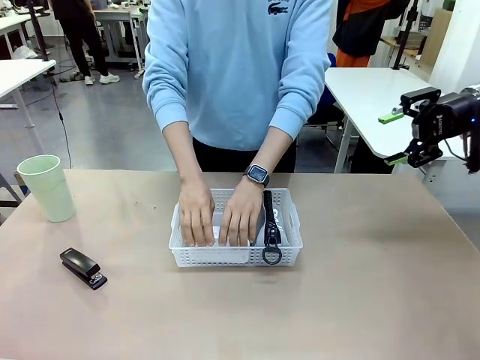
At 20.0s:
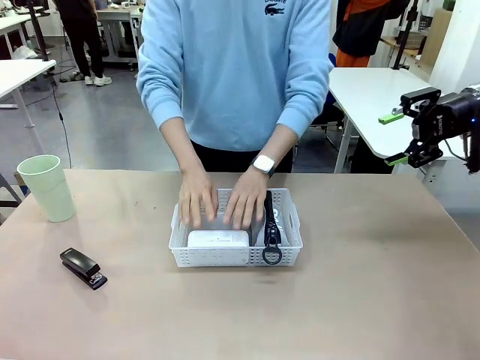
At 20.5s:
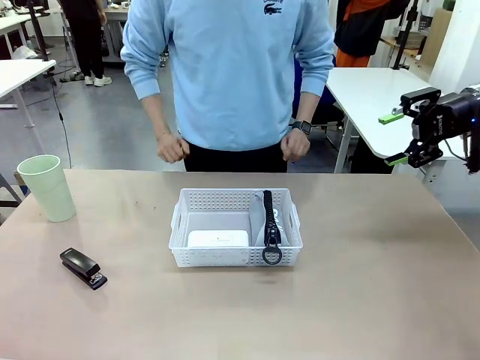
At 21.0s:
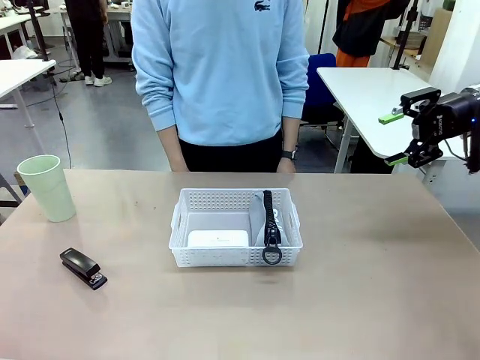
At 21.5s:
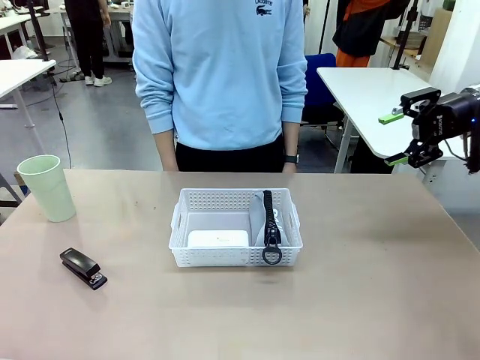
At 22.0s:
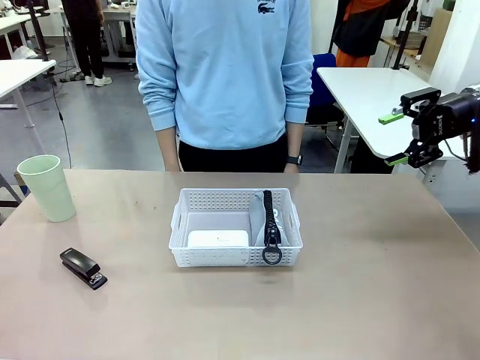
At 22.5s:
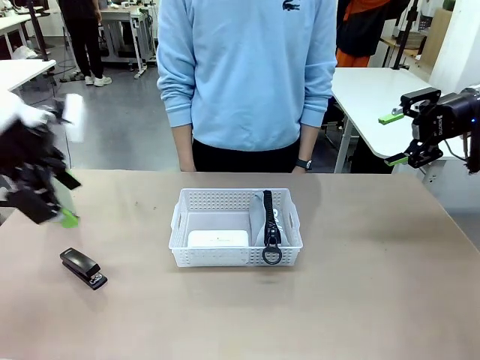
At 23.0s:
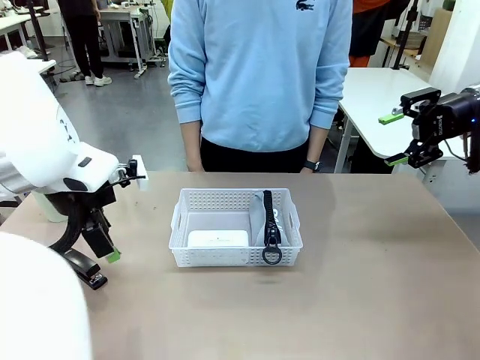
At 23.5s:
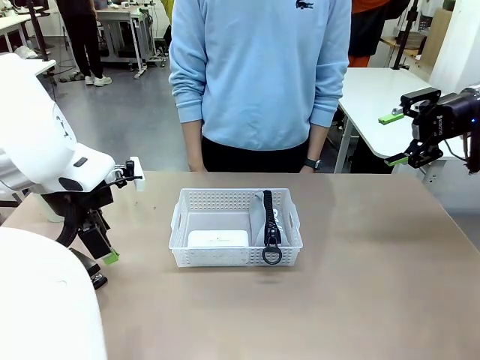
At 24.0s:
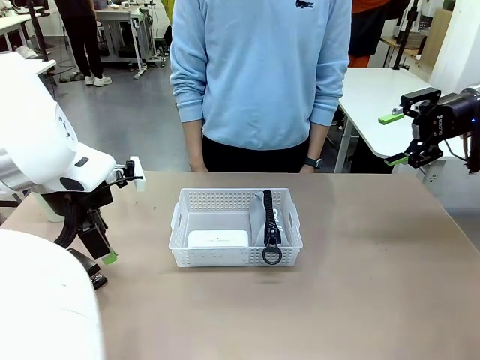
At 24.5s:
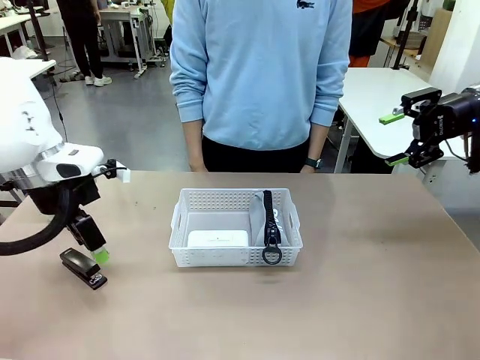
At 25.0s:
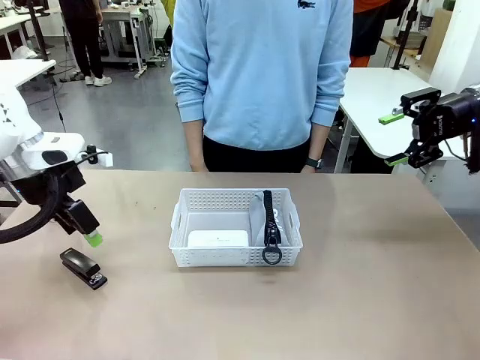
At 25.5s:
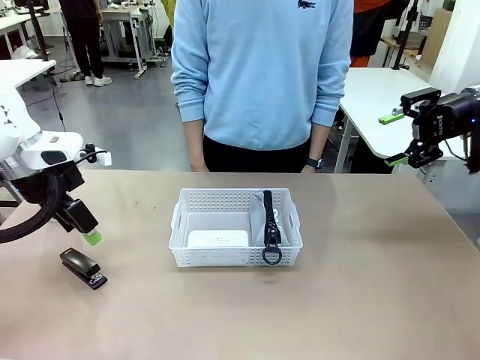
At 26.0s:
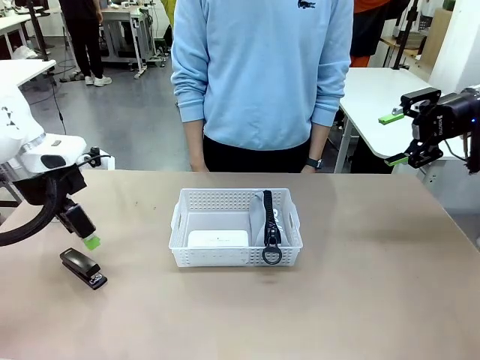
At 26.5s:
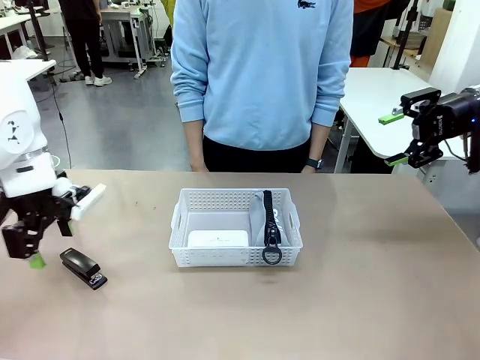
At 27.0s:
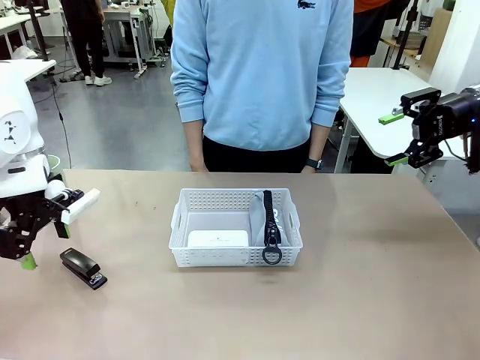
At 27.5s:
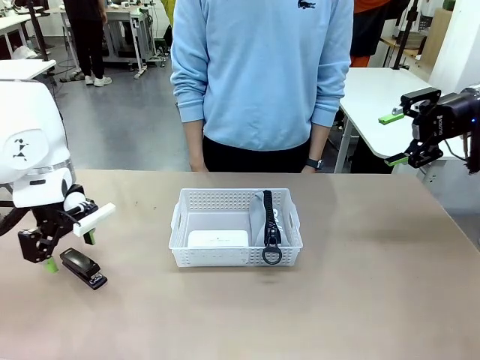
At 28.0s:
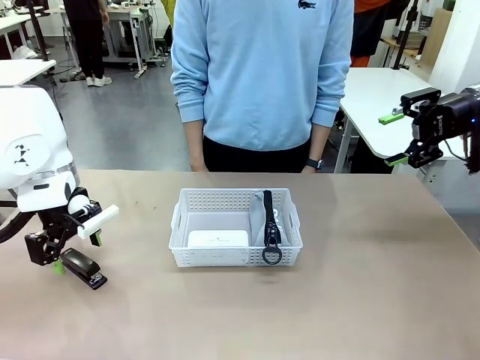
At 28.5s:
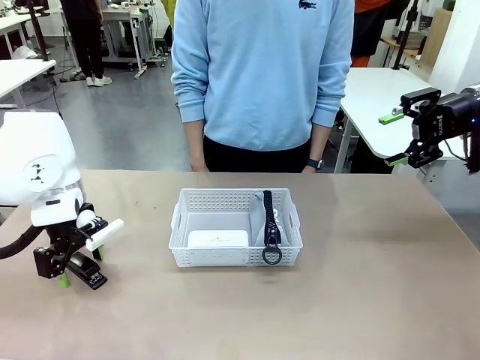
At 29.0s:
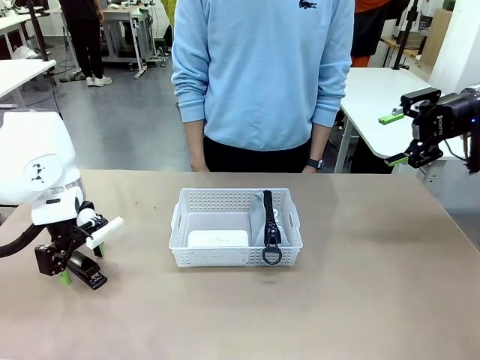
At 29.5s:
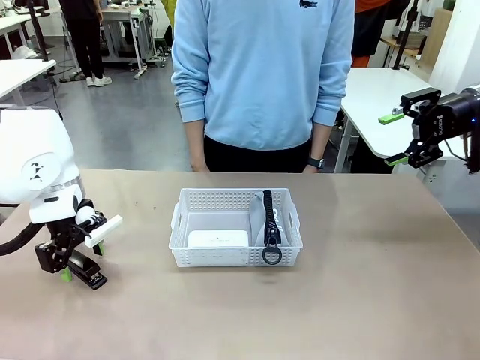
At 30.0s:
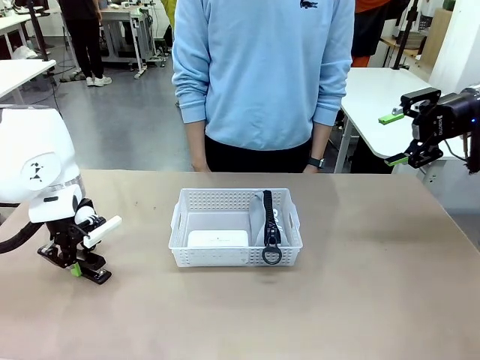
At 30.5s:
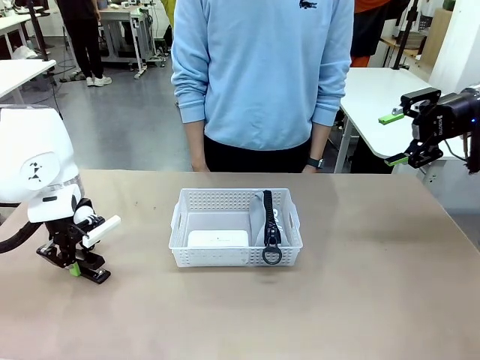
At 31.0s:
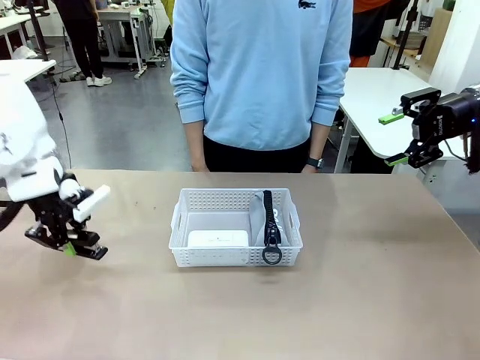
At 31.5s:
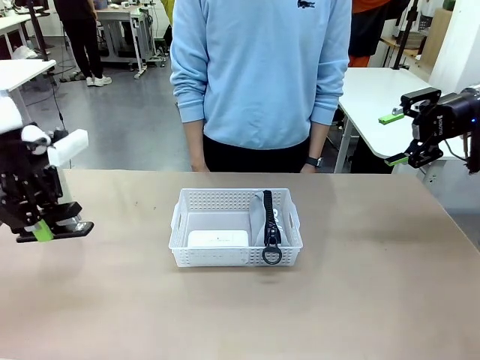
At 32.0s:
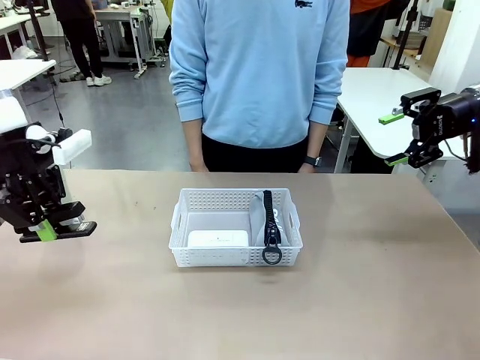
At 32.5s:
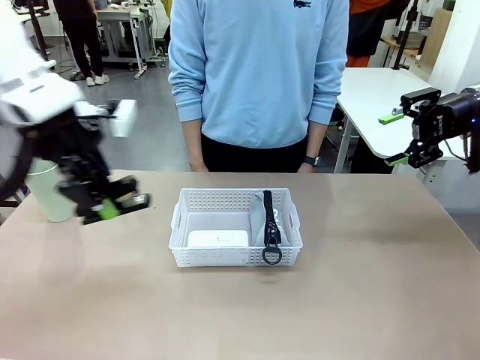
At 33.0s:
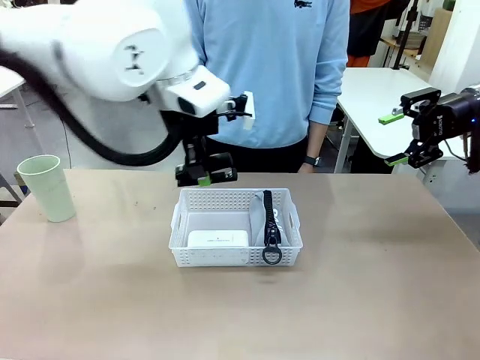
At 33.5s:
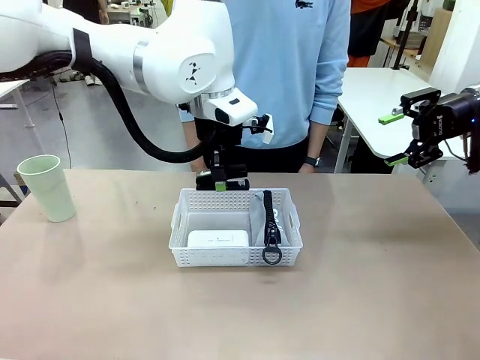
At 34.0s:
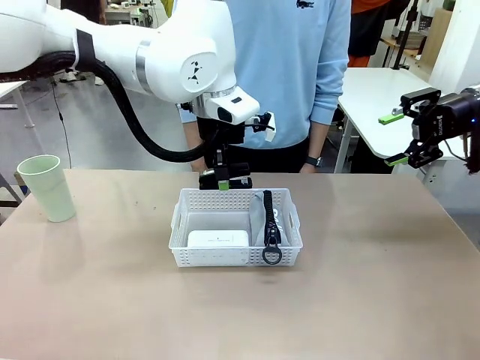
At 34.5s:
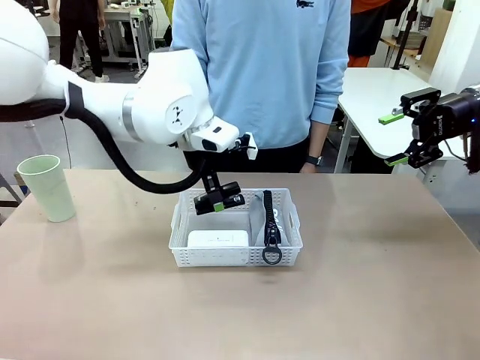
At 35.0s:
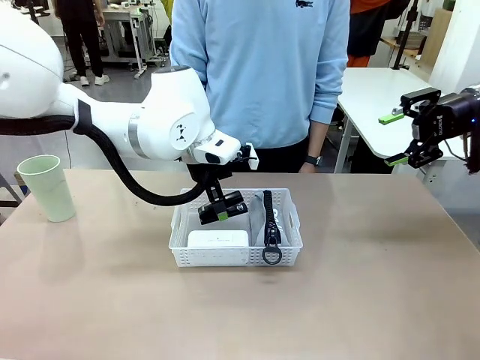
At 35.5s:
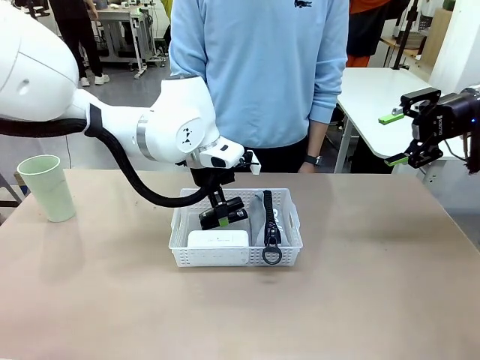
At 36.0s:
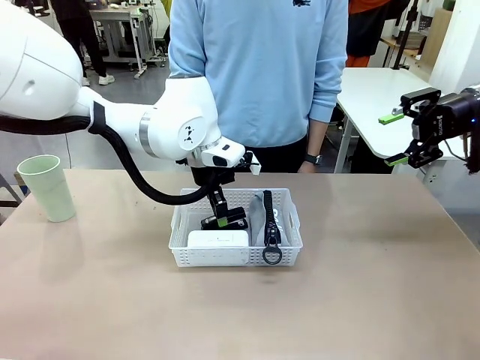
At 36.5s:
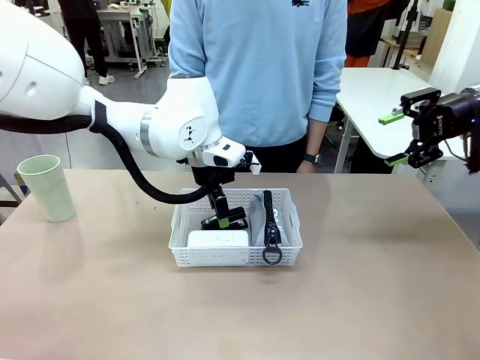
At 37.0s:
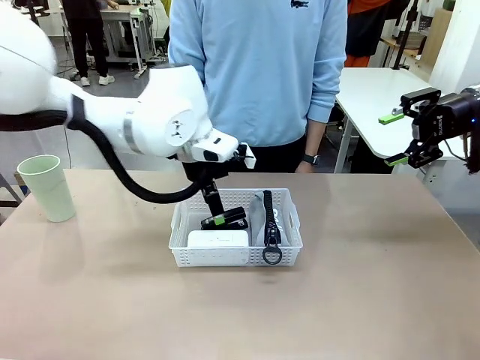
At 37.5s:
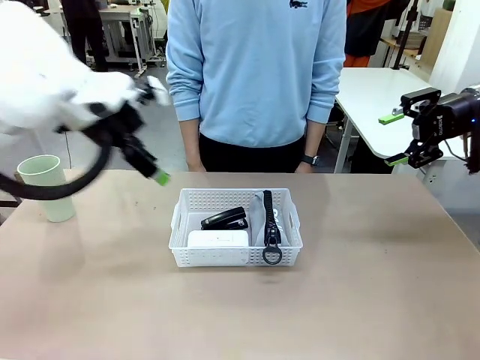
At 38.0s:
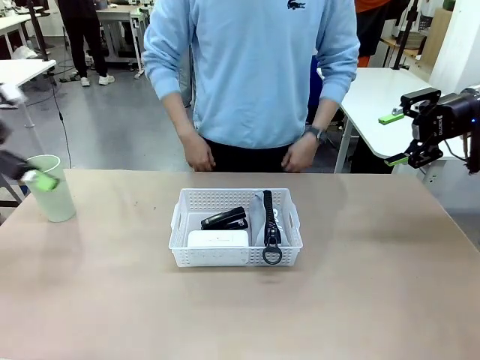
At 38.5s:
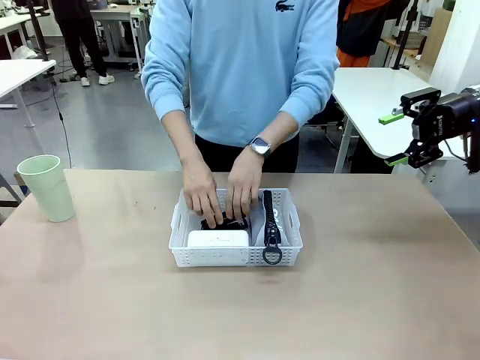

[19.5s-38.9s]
Task: Efficiently arrange items inside the basket to fit them all.
Robot: Pick up the Stapler and place it inside the Organizing basket.

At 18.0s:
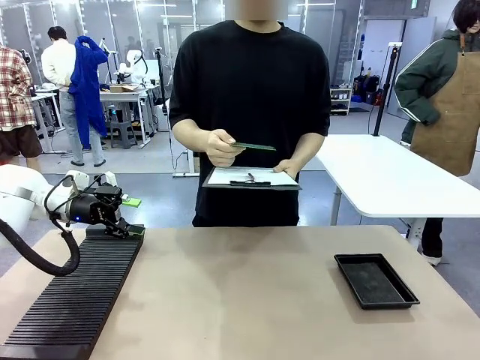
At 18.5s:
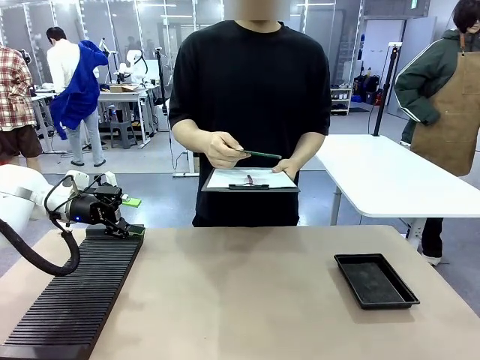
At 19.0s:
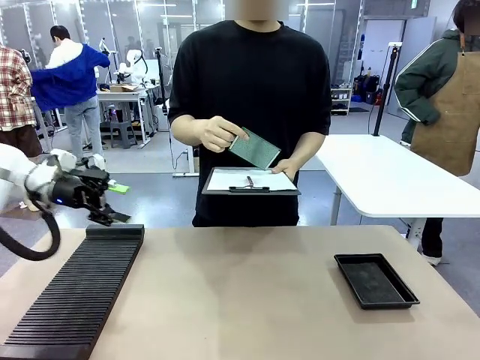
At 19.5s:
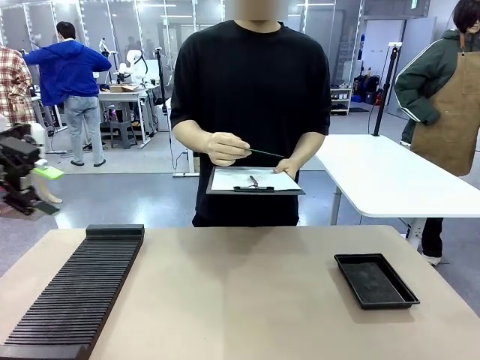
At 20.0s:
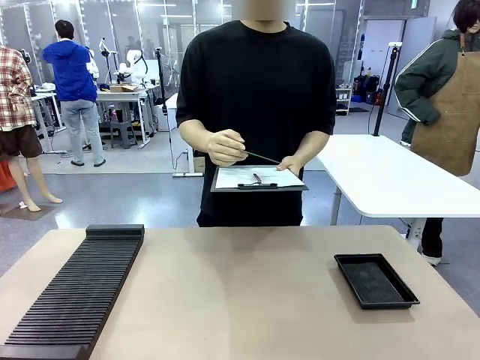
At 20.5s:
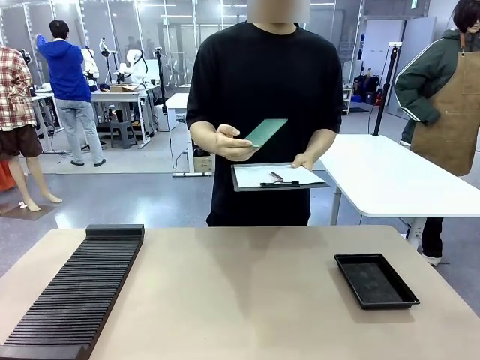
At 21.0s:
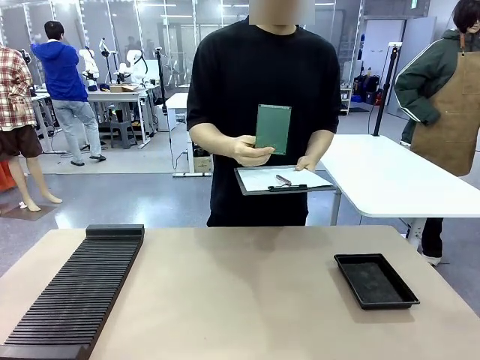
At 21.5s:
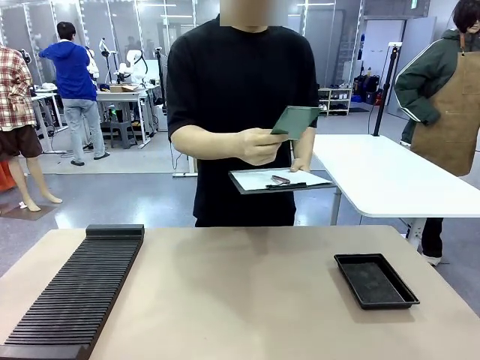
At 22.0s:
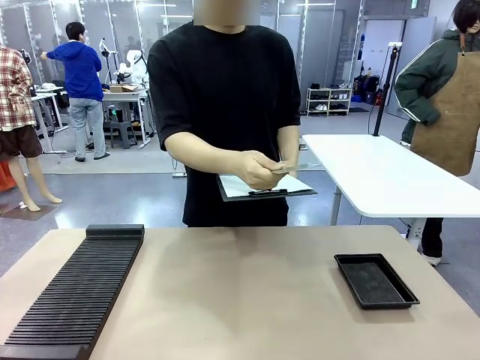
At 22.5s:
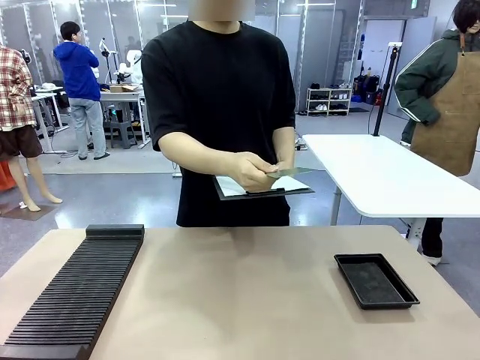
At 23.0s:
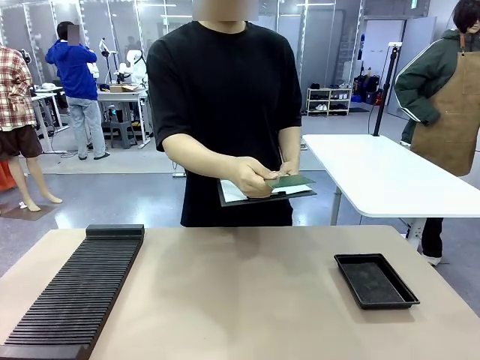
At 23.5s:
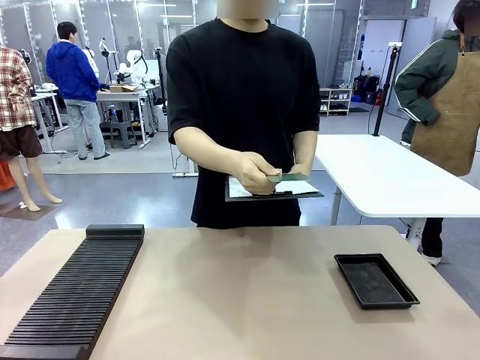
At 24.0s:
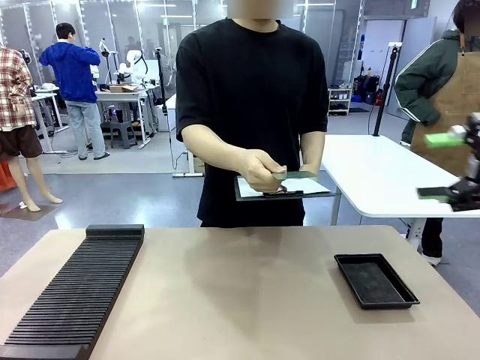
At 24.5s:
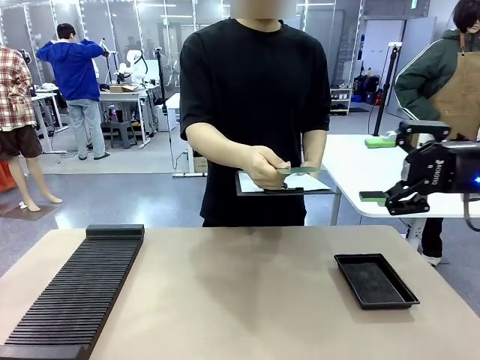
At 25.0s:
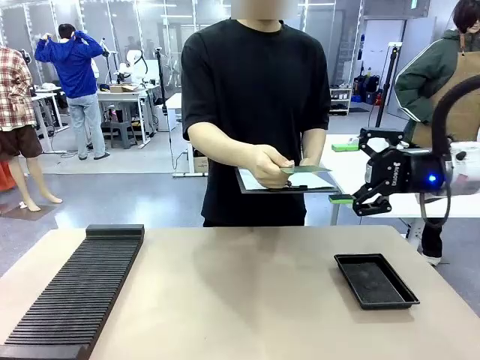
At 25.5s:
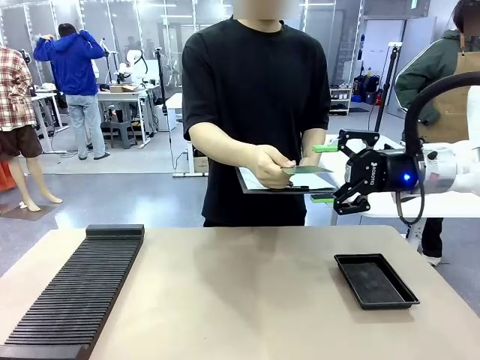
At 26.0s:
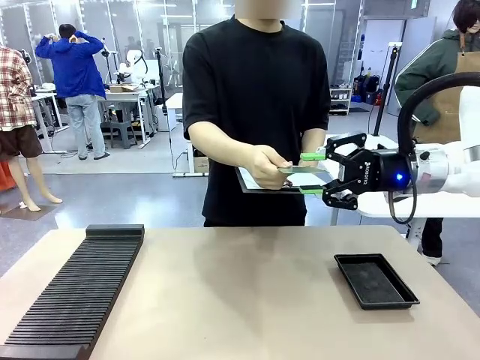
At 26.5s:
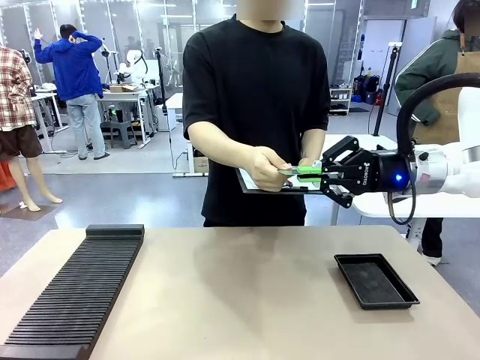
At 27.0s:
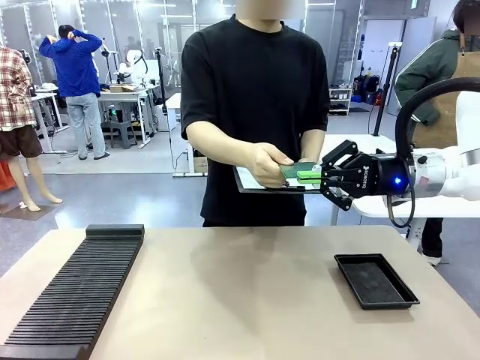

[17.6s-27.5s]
Task: Inspect the PCB.
Robot: Pick up the Blank PCB that the human is holding.
Person: Inspect the PCB placed by the robot, then hold it out in front of the robot. Release the PCB you were holding.
